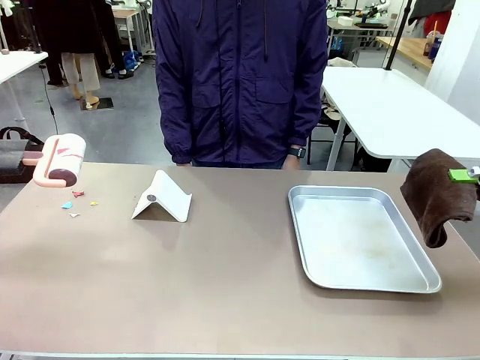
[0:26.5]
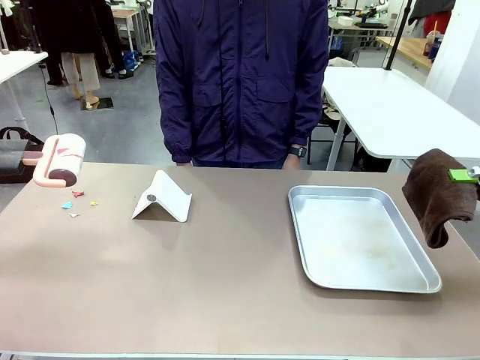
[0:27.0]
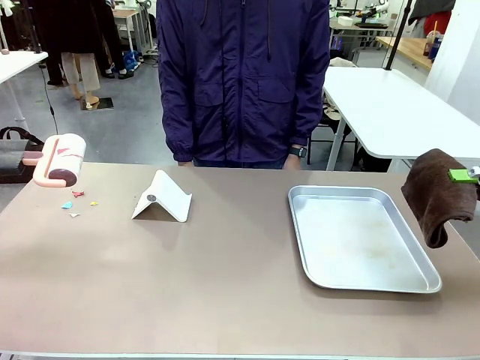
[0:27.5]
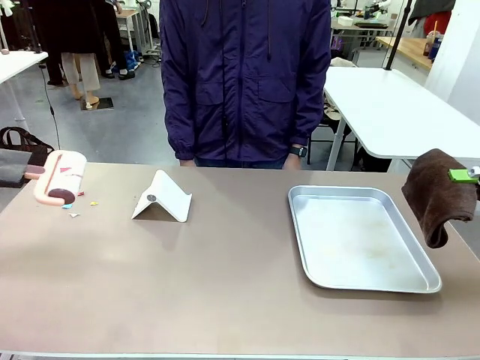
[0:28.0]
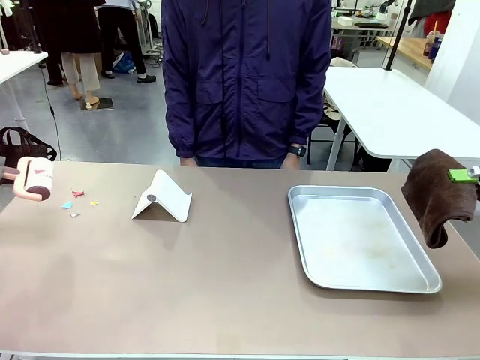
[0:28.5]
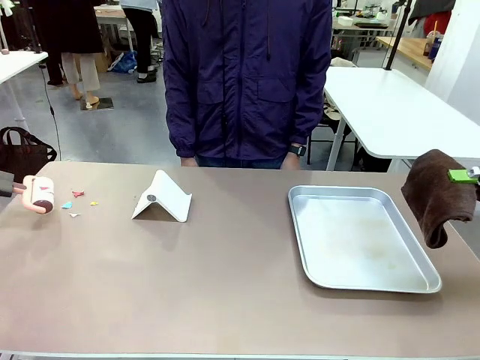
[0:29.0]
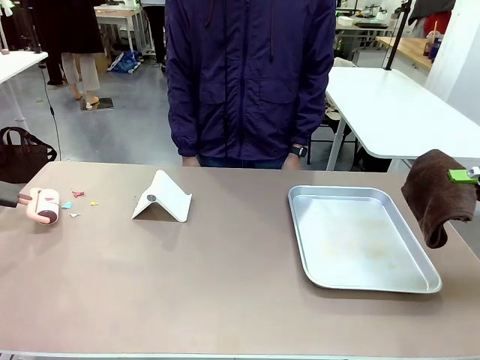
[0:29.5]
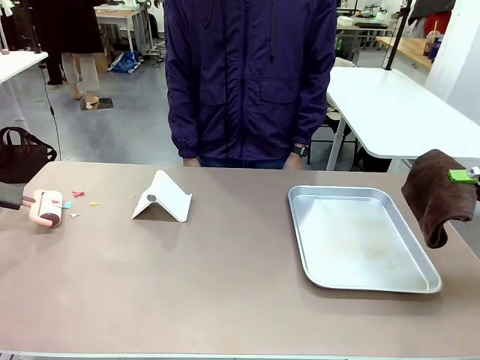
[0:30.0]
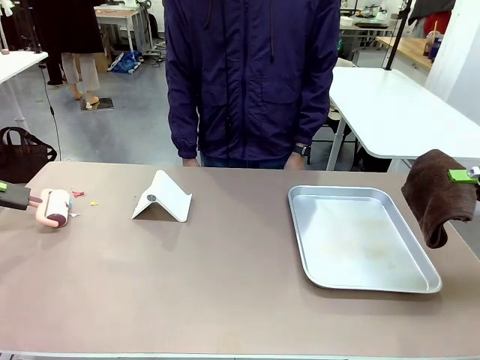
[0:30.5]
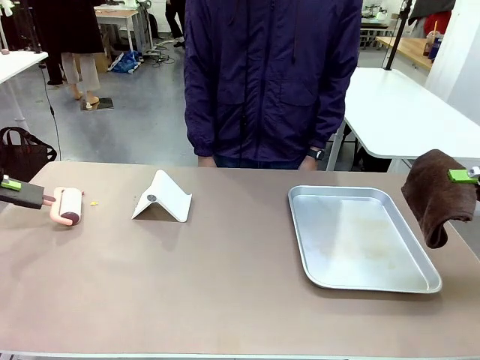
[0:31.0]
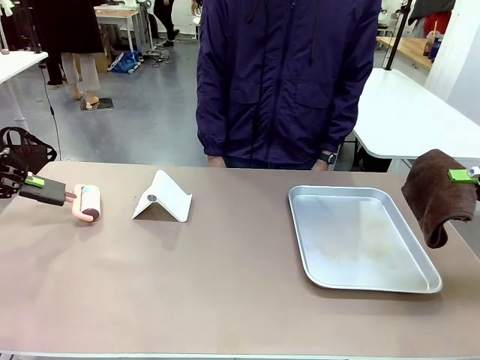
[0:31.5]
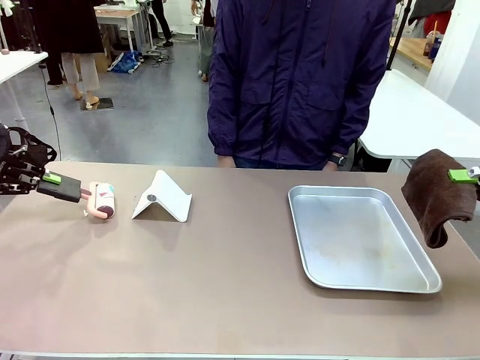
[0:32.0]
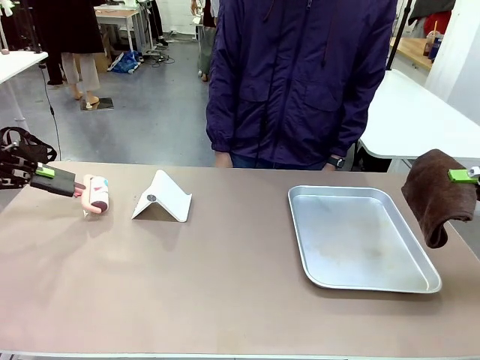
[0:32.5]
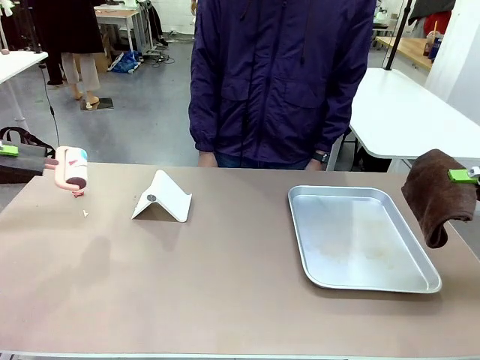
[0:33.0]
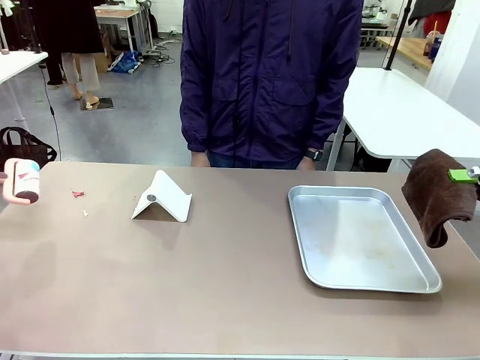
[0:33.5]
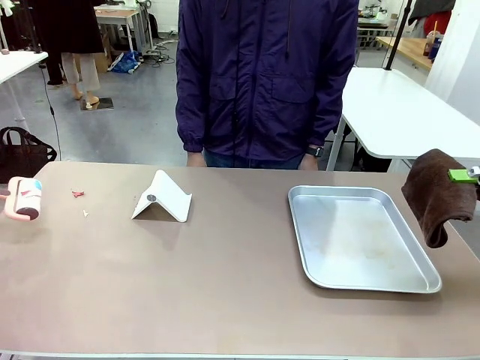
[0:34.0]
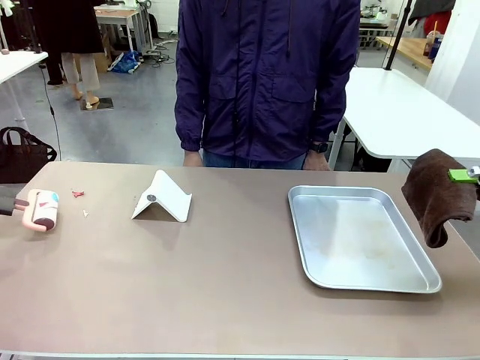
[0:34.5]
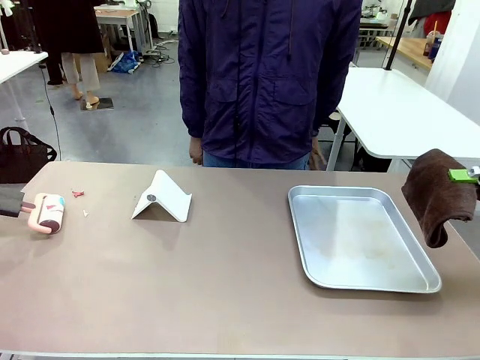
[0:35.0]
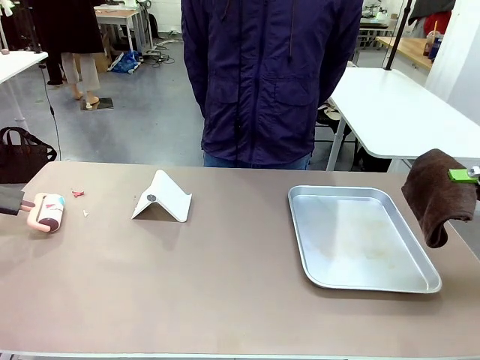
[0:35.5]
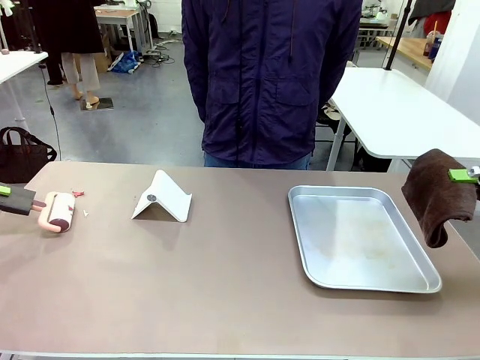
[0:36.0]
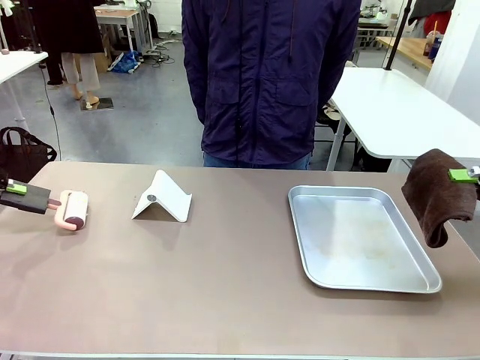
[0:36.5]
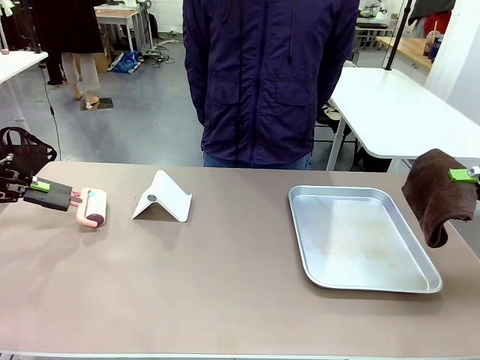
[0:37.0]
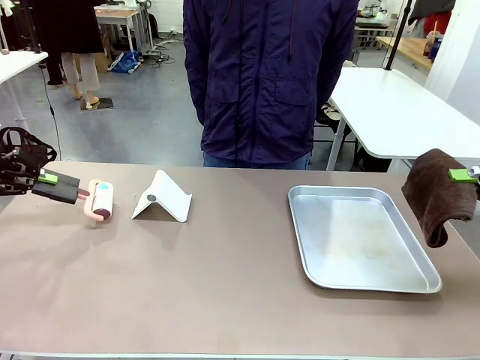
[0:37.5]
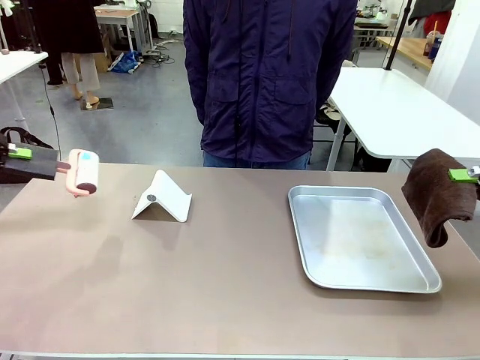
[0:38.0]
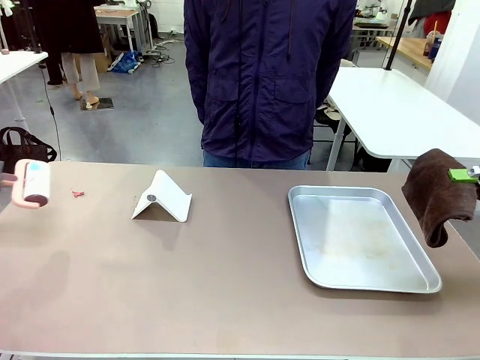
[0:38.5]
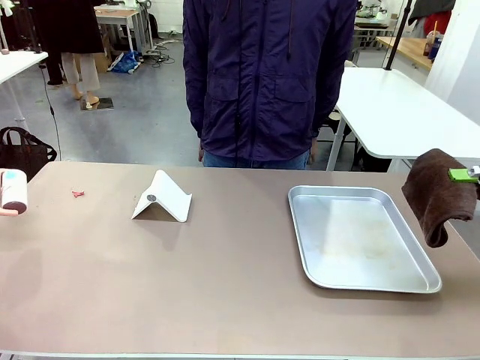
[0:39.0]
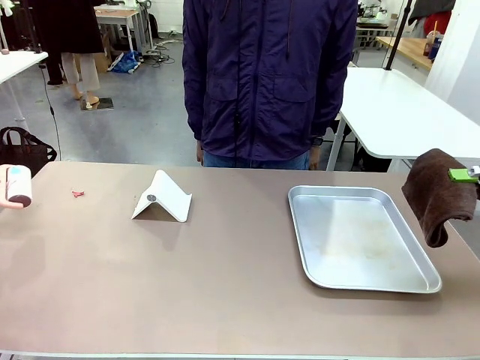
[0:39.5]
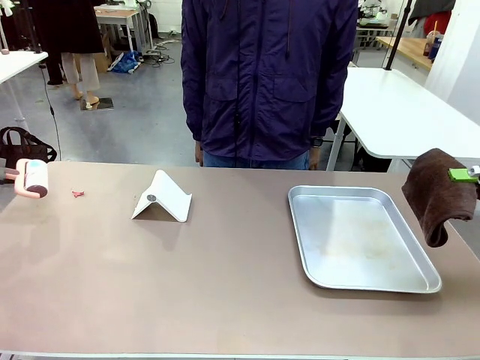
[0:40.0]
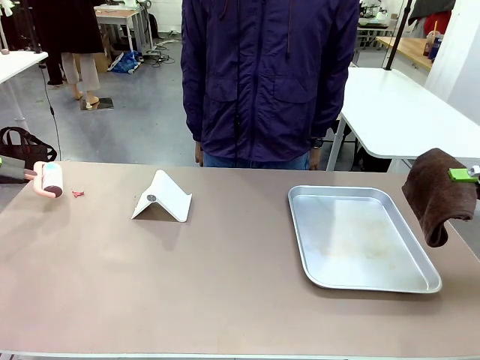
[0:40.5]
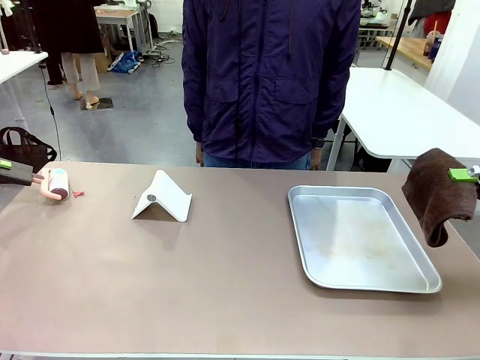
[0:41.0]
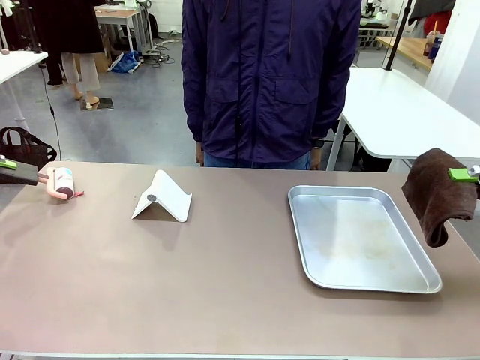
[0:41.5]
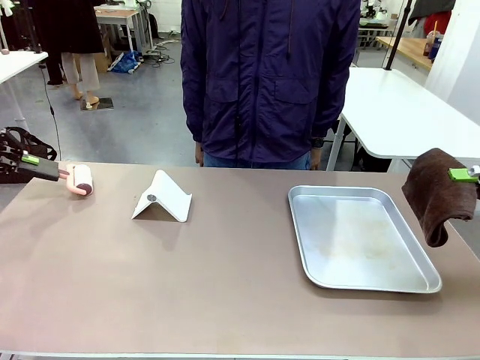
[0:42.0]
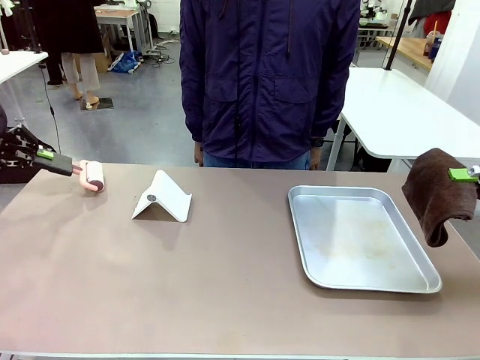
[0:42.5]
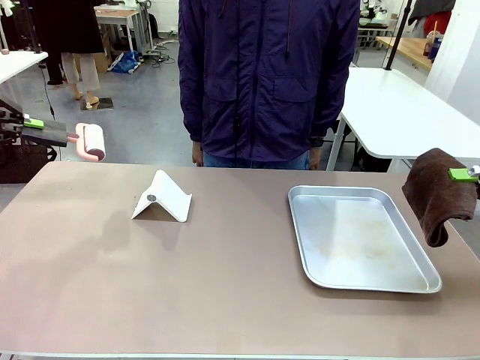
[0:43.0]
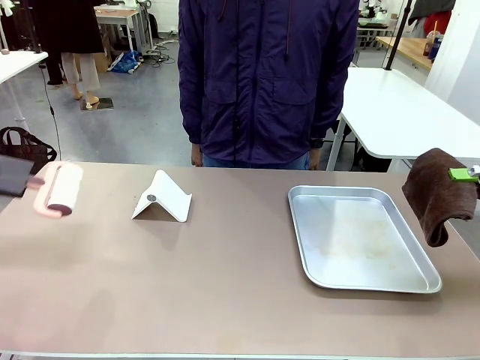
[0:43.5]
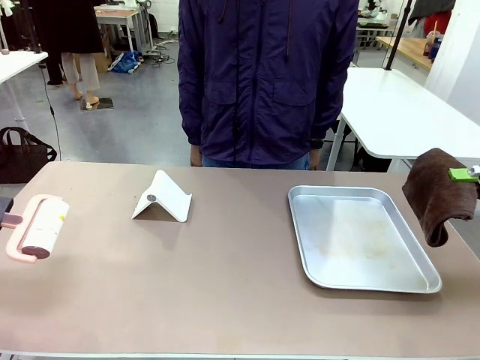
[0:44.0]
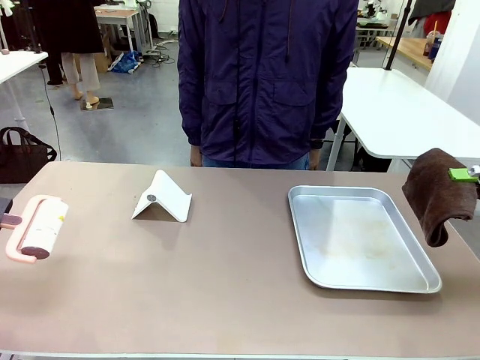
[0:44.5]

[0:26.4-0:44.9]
Task: Clean the surface of the table.
Robot: Clean the area not pointed to by the person.

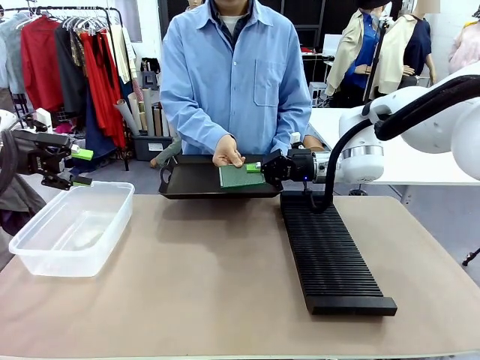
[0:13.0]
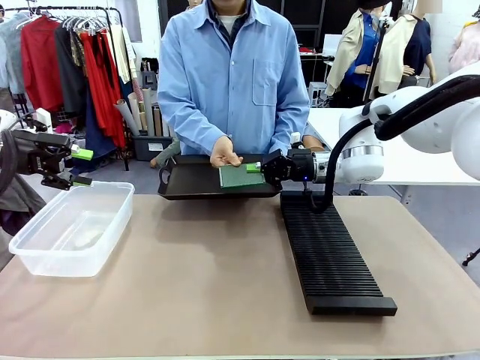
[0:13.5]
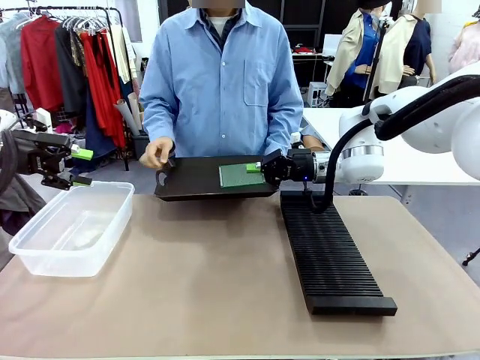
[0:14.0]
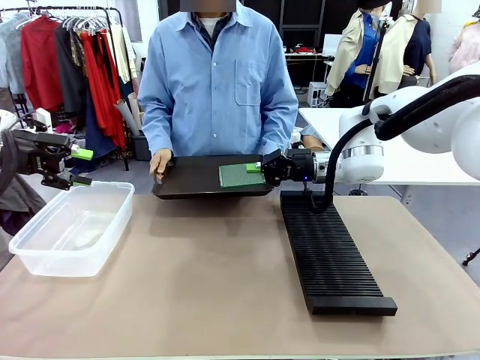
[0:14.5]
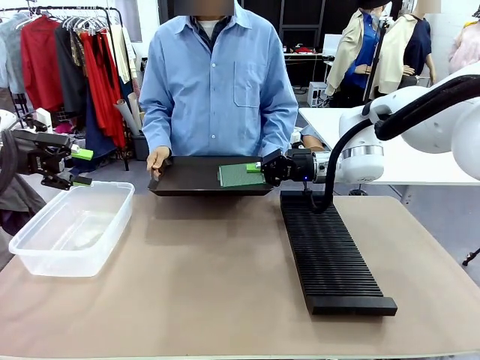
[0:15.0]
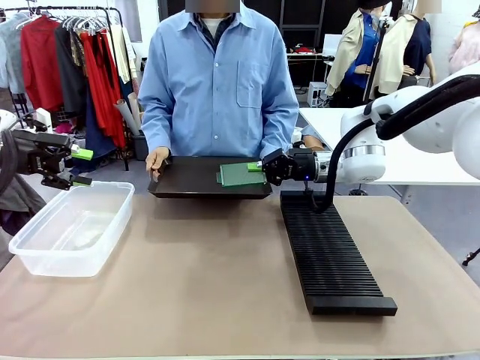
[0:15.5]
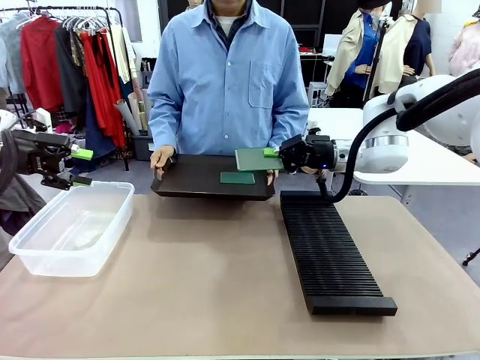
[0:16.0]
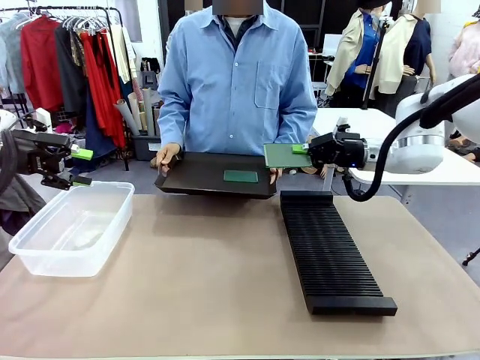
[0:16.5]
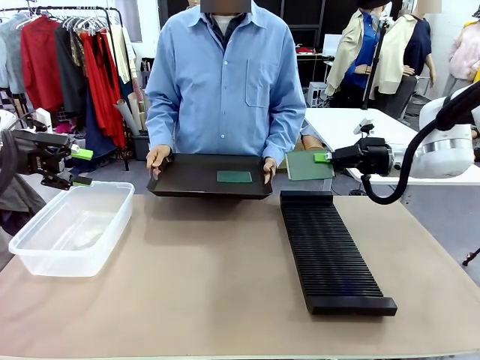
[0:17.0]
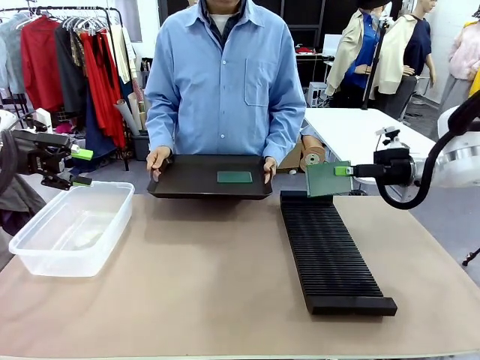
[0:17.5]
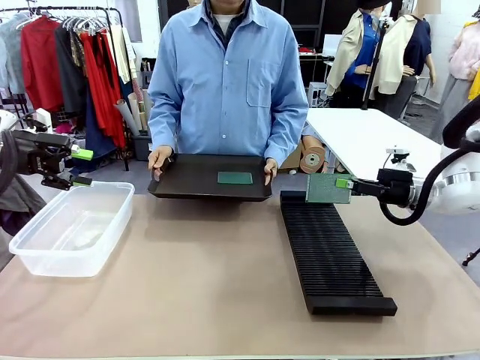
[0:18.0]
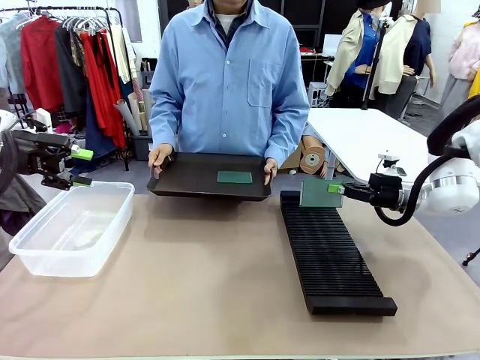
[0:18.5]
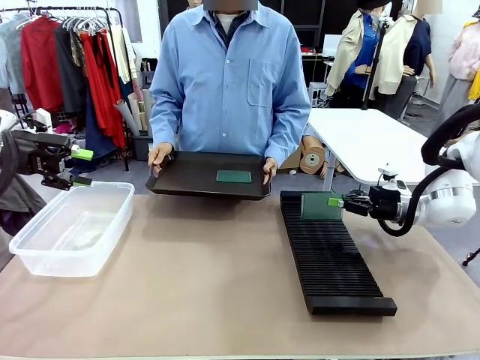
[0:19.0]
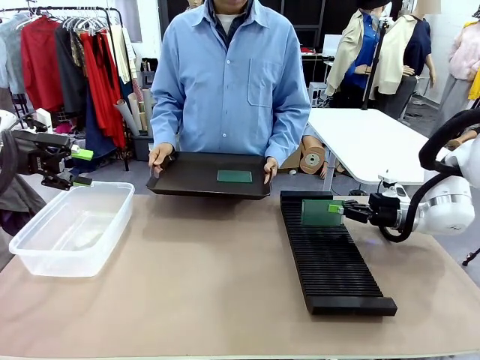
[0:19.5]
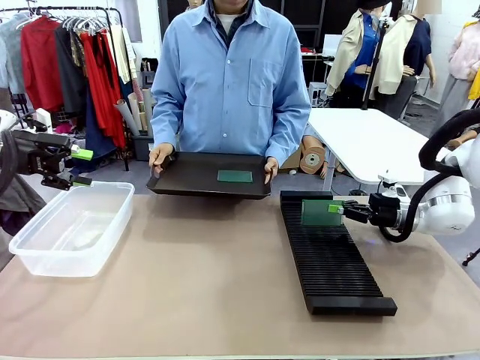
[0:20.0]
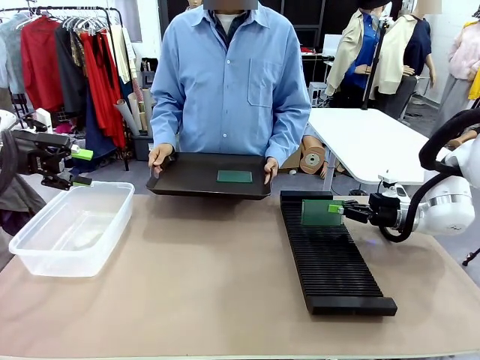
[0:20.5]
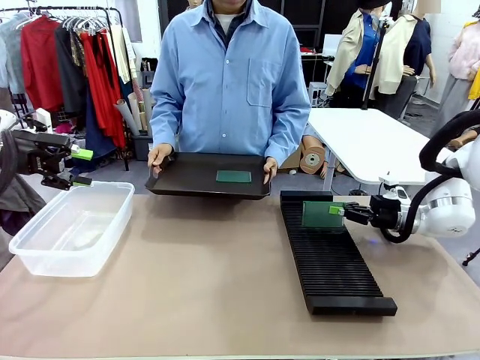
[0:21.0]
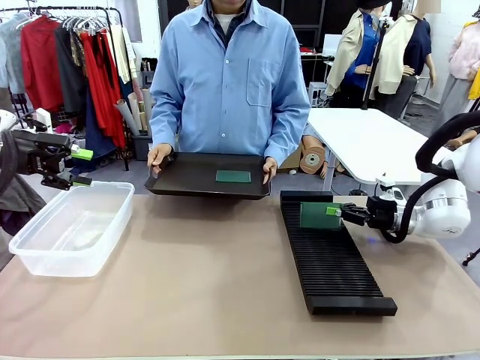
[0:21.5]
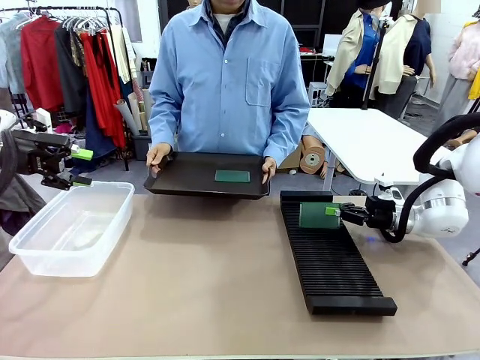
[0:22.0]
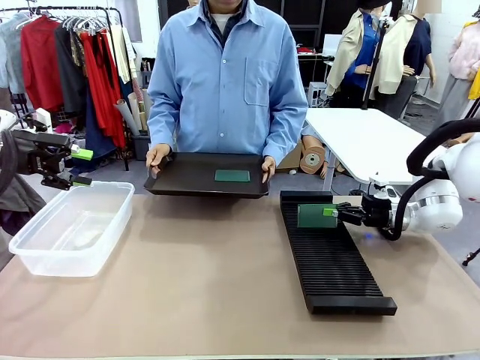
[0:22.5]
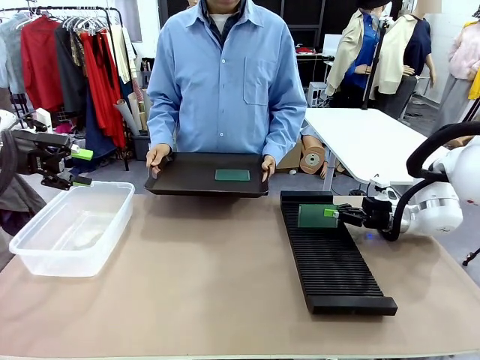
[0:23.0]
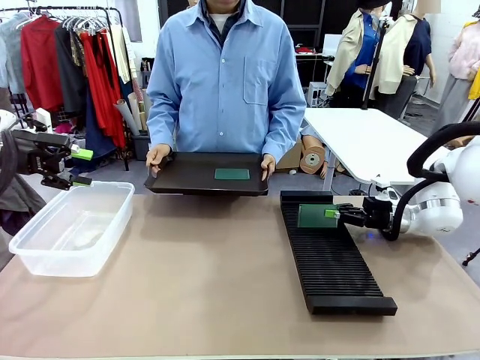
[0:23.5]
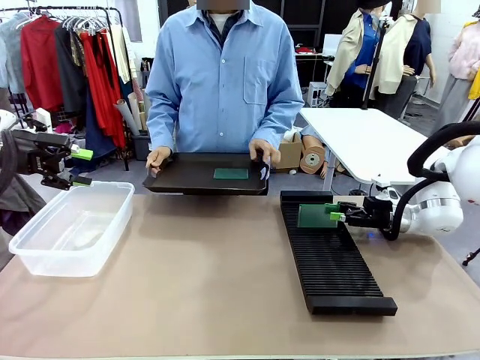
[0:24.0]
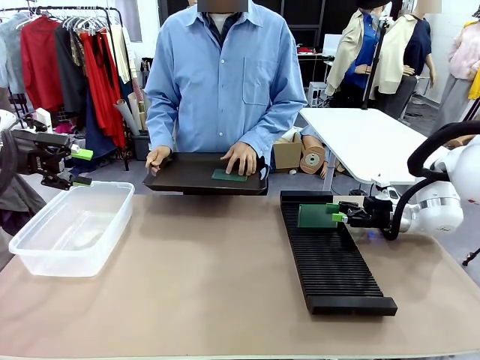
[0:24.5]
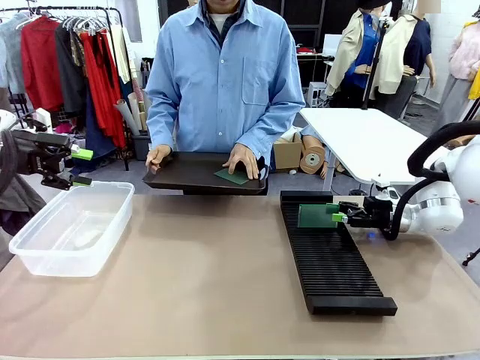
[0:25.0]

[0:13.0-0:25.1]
Task: Sort PCBs into racks and boxes based on the side picked up.
Robot: If the short side of the Blank PCB is picked up, insert it into the PCB Rack ; if the long side is picked up, place it in the Organizing box.
Person: Pick one PCB from the tray and present it to the robot.
